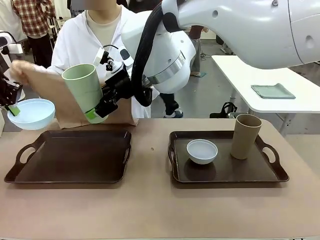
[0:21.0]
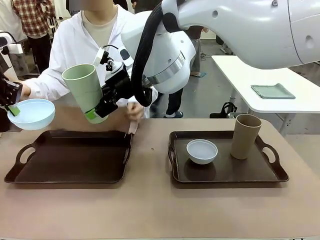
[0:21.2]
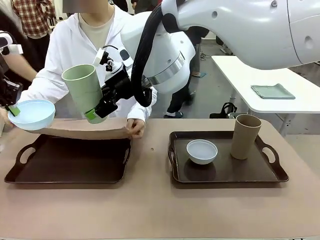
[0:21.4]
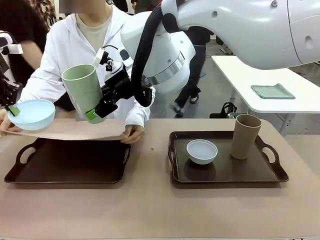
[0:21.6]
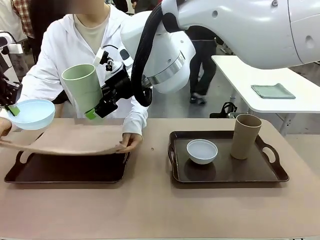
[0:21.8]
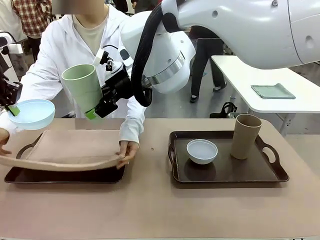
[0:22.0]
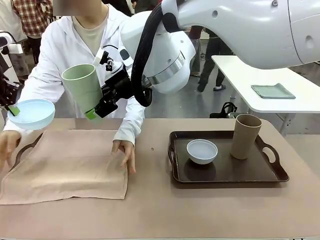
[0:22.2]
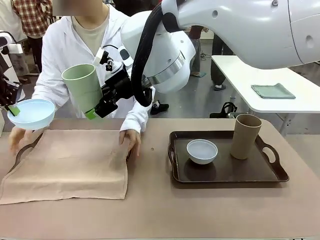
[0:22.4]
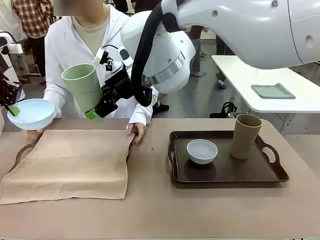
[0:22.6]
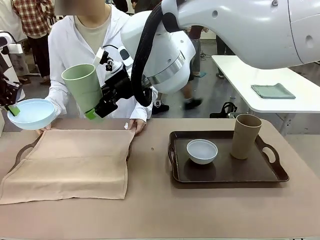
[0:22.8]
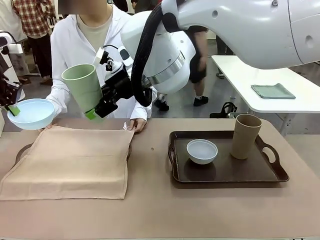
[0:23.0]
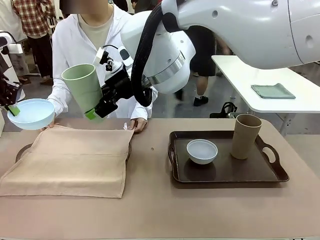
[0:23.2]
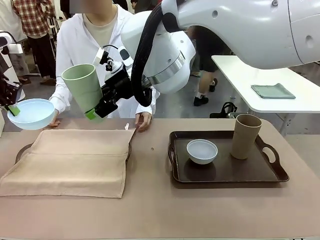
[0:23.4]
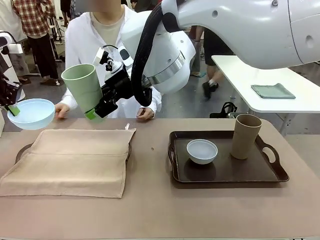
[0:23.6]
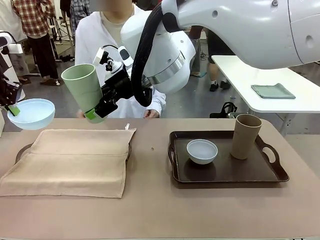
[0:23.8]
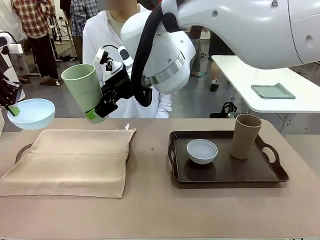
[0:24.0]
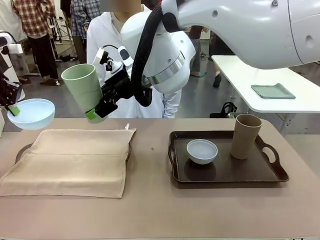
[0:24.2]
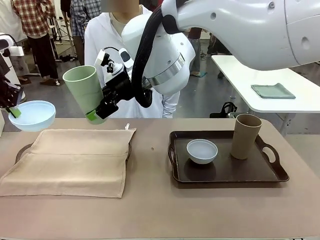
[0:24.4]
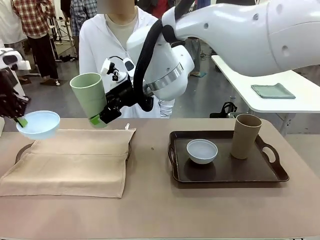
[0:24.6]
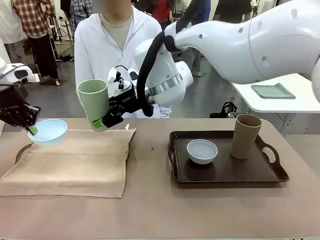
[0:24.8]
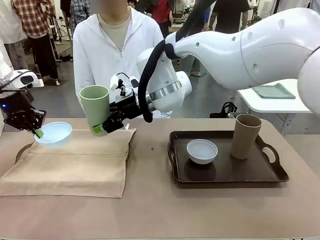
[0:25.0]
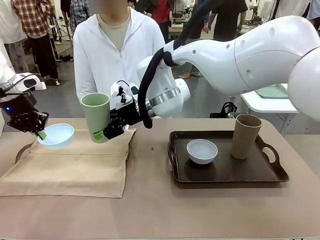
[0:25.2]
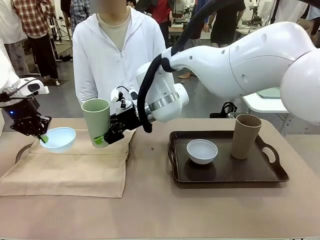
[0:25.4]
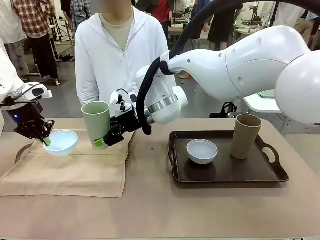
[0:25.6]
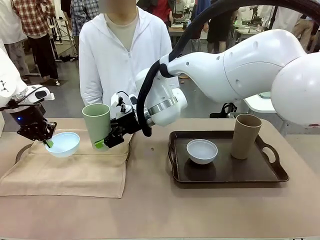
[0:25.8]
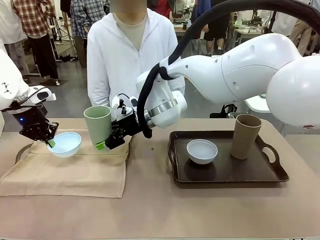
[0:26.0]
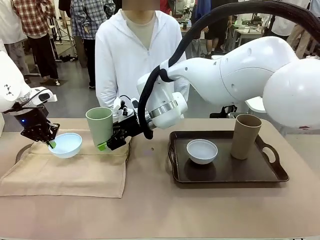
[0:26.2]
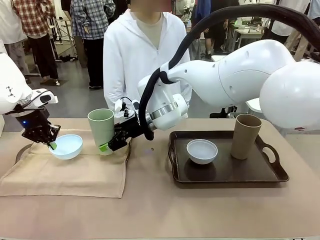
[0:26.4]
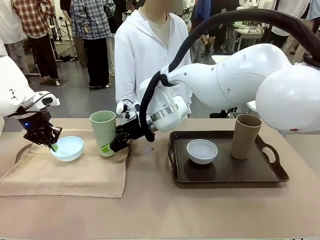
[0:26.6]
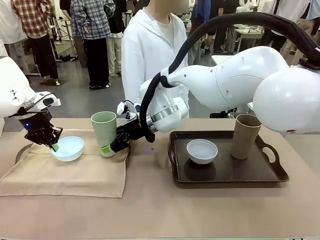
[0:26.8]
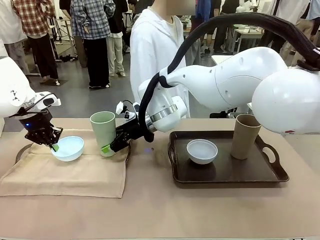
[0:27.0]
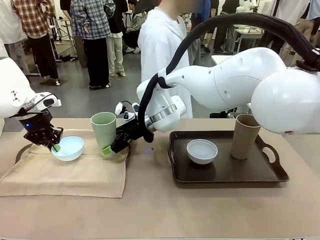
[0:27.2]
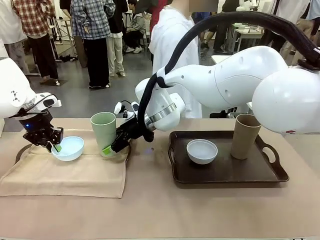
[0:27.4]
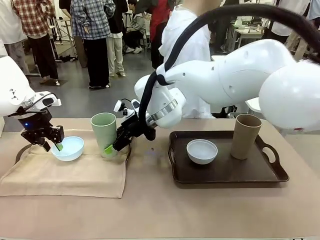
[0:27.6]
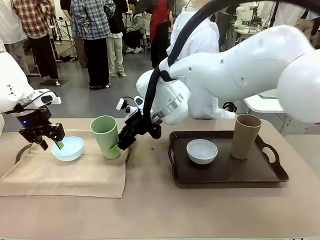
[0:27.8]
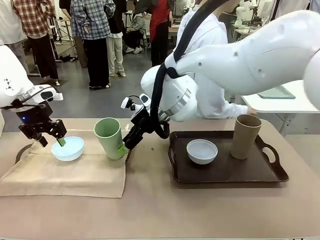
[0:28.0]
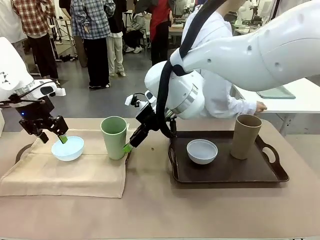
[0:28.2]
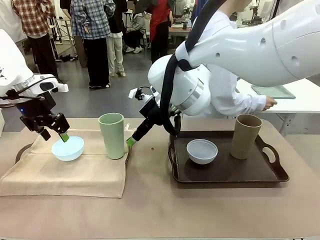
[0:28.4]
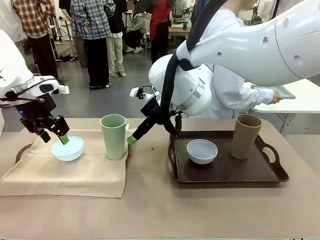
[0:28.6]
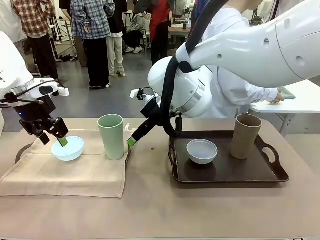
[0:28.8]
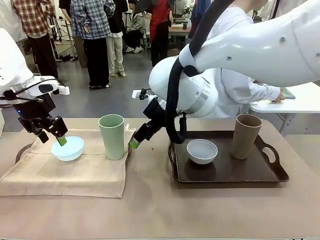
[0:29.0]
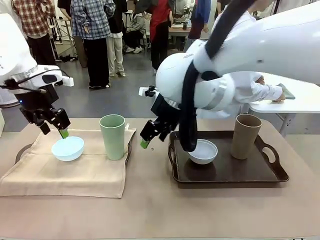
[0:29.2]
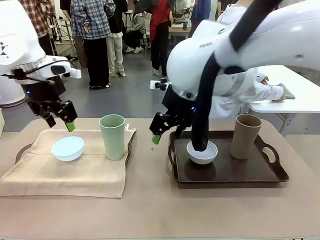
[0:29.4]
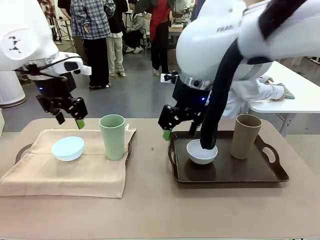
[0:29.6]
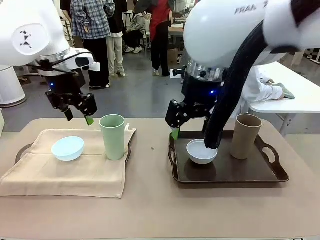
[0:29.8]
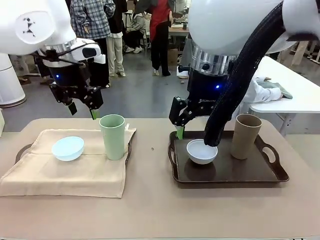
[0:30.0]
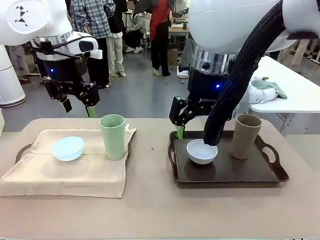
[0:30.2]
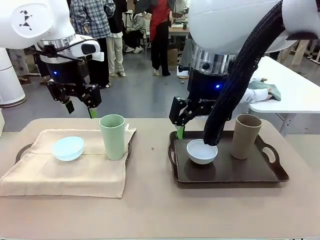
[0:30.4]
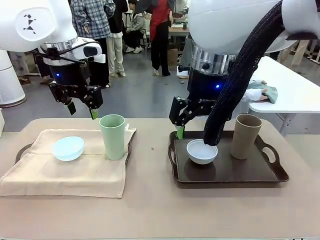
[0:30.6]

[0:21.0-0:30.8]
Robot: Place the Picnic Bowl and Reusable plastic cup back onto the Handle tray in front of the human's position.
Person: The human returns to the human table to pick up another napkin and walks to the robot table to stand in front of the tray without a napkin.

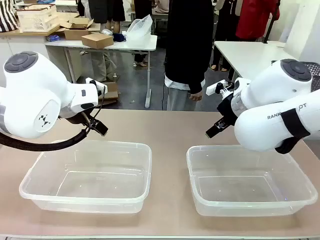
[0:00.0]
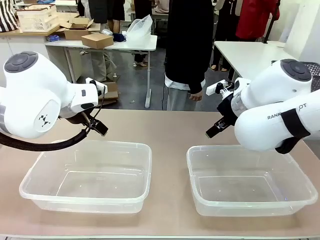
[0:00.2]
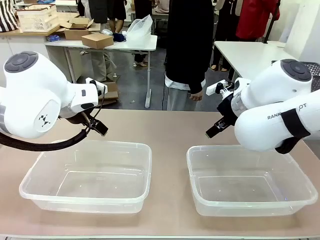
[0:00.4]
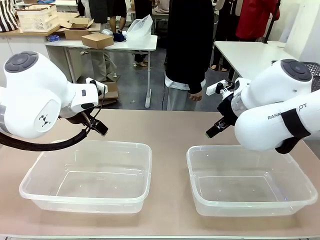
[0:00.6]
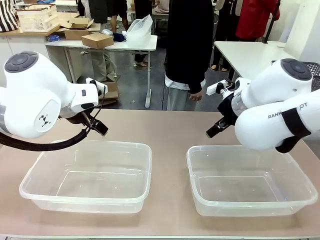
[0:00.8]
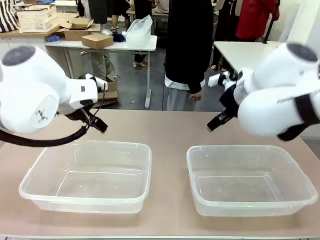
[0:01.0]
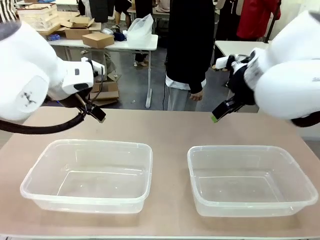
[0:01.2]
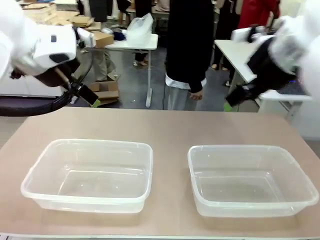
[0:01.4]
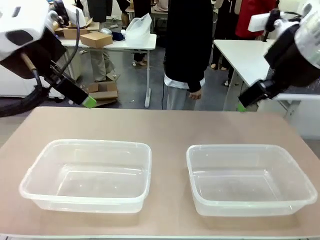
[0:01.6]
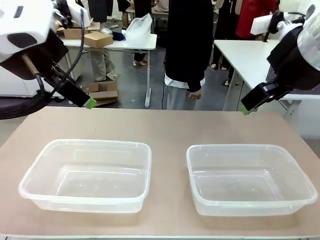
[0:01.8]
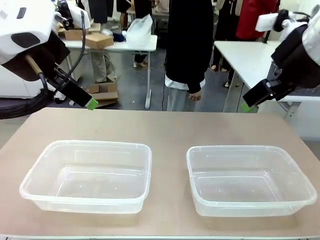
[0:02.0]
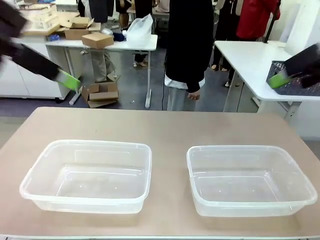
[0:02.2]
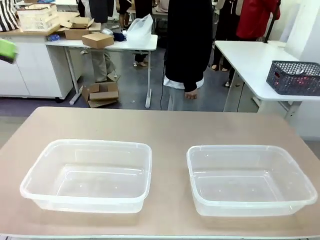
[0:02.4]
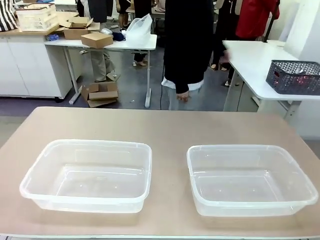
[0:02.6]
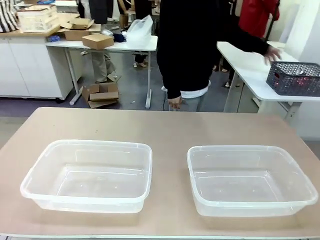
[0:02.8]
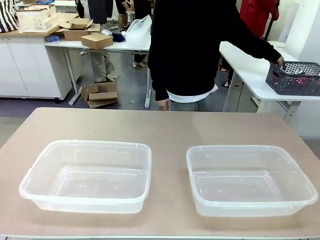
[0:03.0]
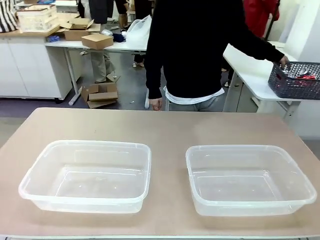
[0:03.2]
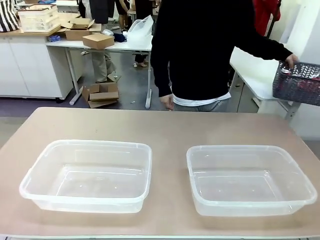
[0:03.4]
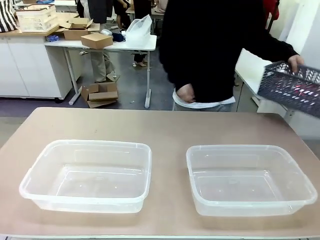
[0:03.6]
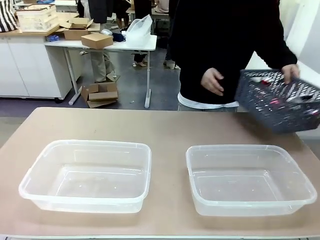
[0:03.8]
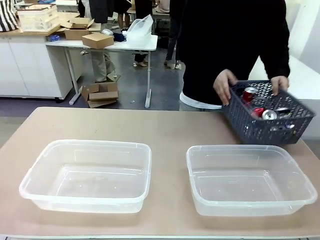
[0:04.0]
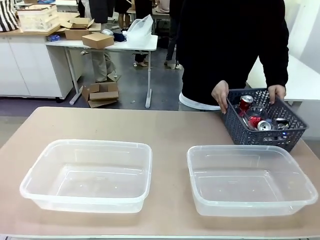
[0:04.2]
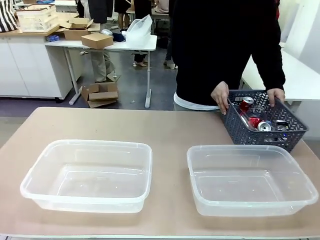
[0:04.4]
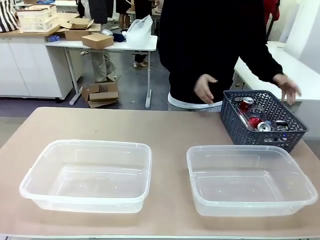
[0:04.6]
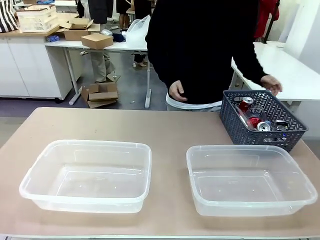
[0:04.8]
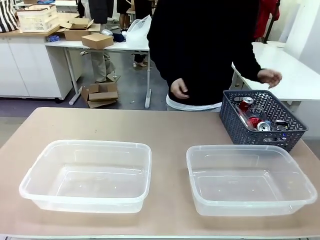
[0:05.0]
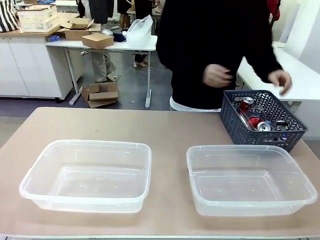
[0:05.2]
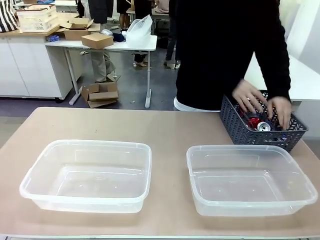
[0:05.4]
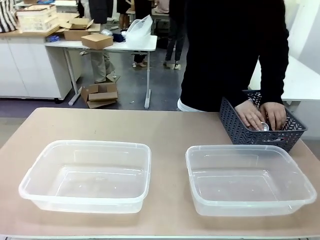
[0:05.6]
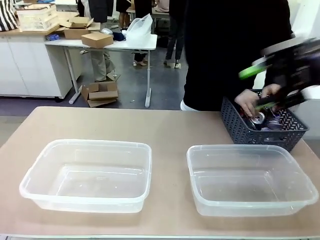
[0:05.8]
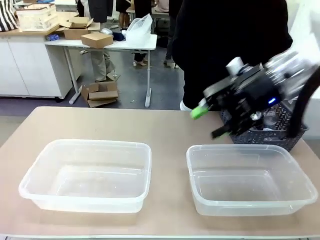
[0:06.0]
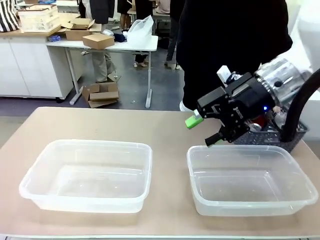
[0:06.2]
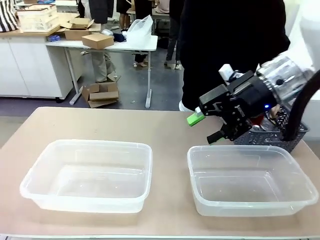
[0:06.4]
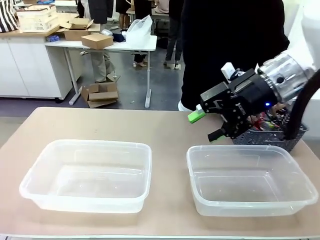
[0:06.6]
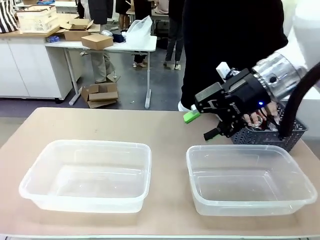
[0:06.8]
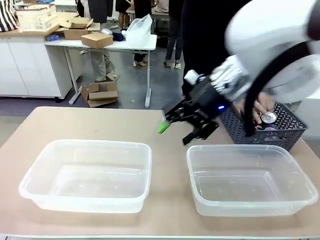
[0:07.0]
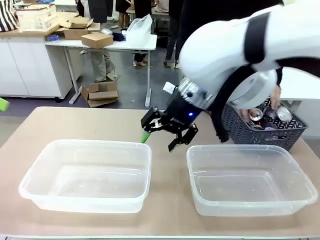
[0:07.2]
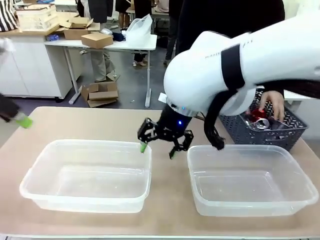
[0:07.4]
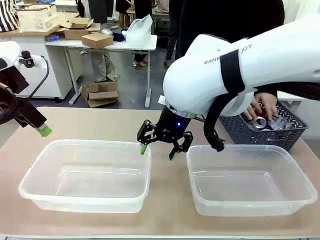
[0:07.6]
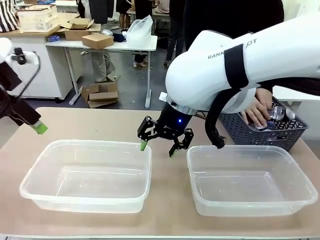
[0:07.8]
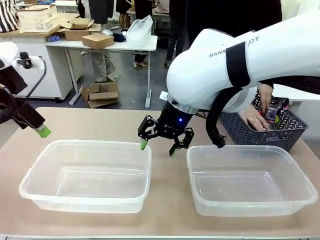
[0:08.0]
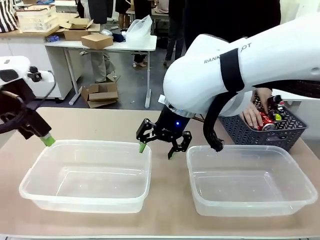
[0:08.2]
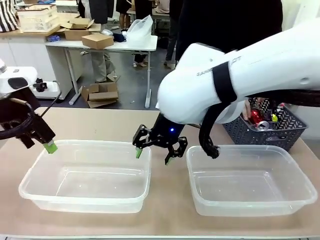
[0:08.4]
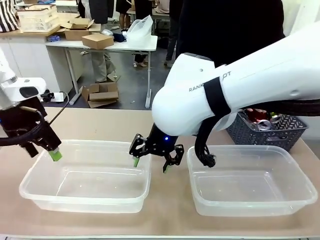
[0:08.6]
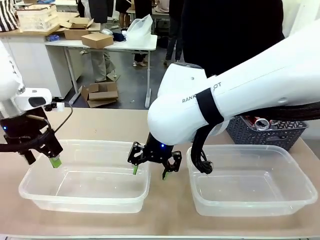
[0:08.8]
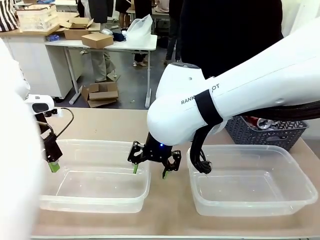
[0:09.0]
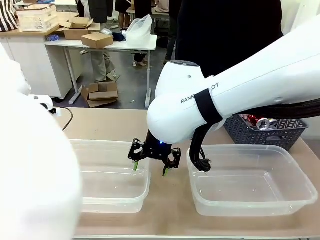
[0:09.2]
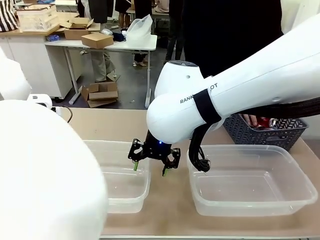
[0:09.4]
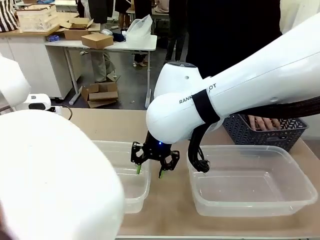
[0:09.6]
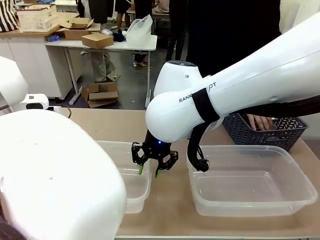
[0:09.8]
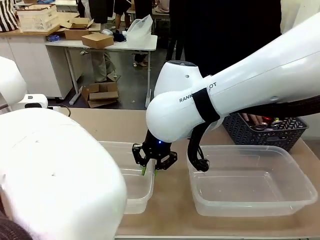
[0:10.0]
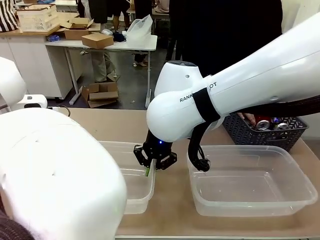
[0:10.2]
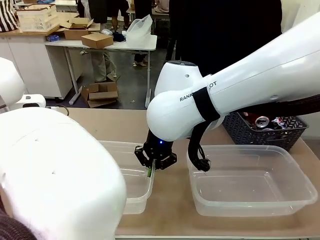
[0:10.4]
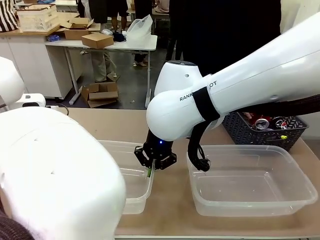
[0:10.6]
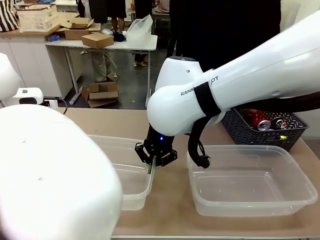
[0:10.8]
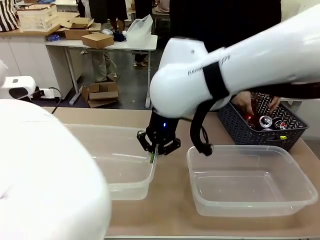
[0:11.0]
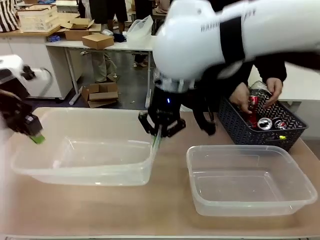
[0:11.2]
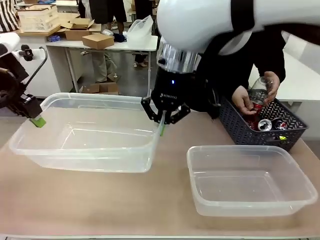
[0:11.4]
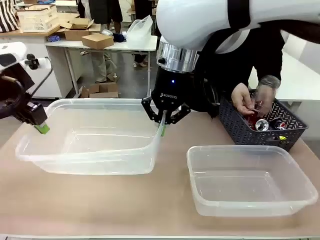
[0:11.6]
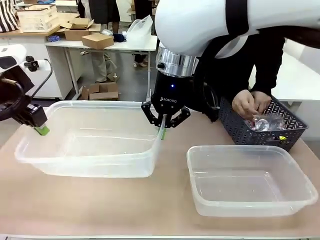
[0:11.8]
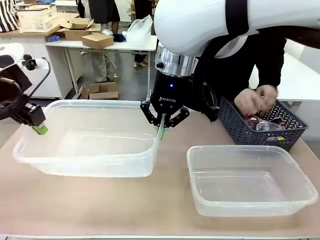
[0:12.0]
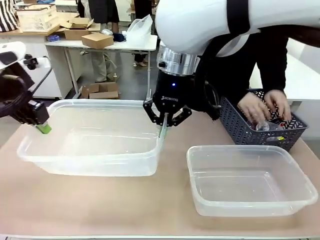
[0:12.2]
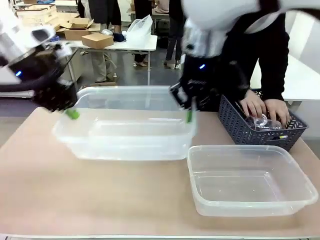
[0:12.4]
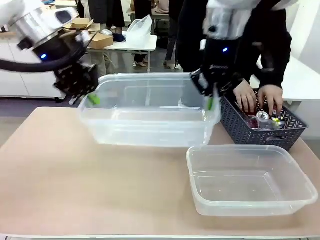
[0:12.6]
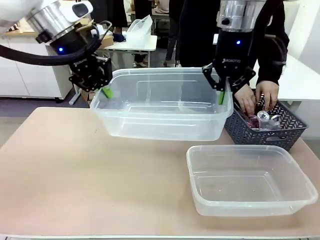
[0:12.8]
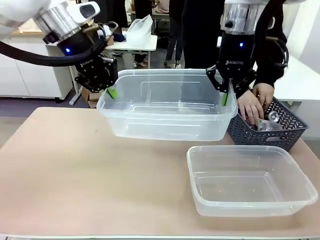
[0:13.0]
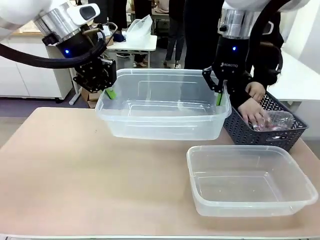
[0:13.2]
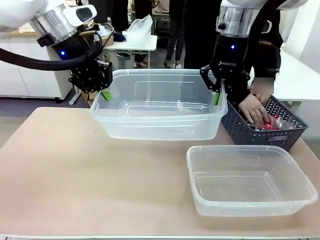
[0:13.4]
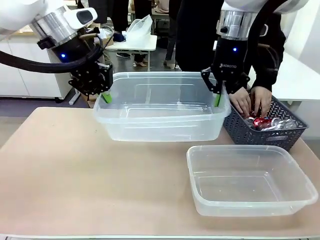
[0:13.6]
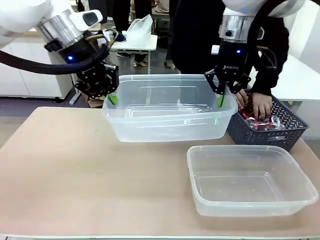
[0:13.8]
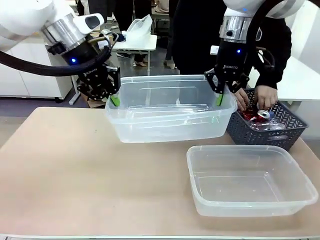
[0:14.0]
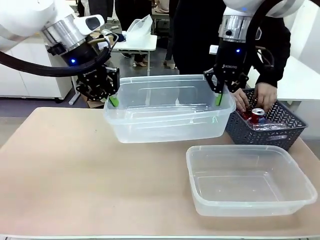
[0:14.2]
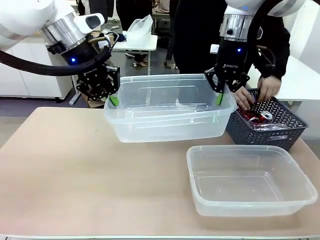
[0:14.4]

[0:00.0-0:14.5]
Robot: Pick up the Organizing box on the left side of the table and lift it.
Person: Pick up the storage basket and place it on the left side of the robot table. Pick up can-shaped waste one by one and place it into the organizing box lifted by the robot.
